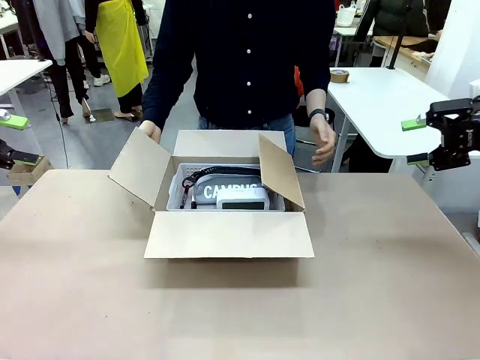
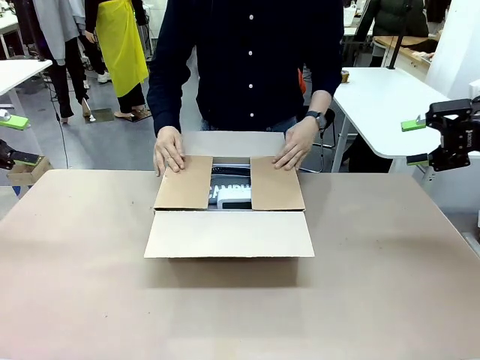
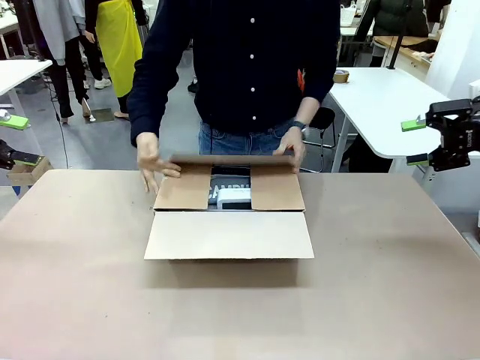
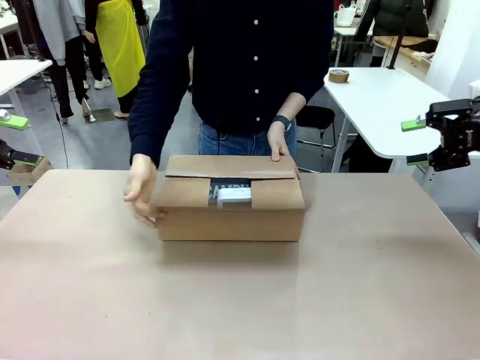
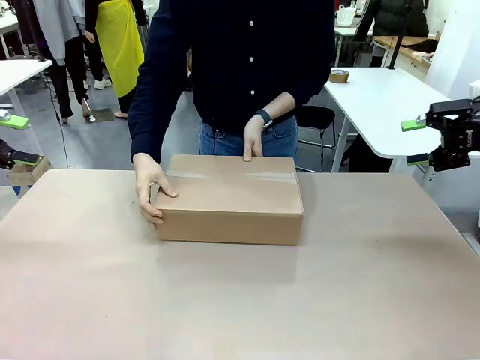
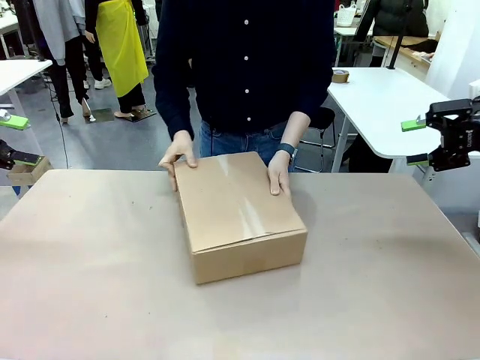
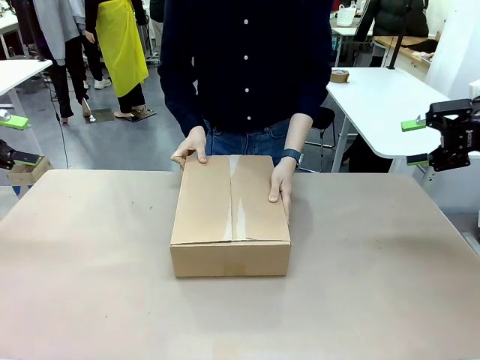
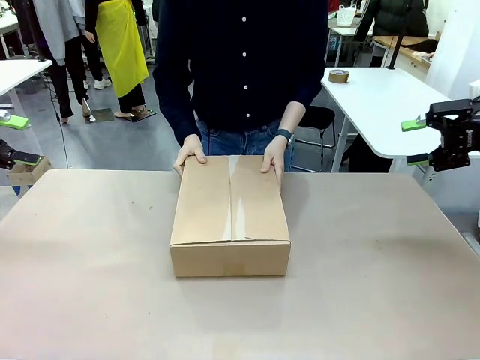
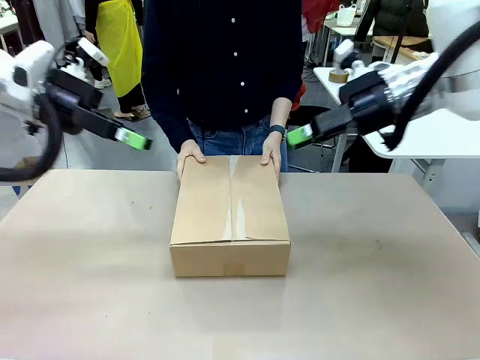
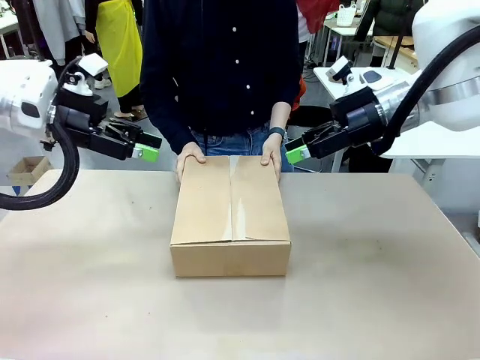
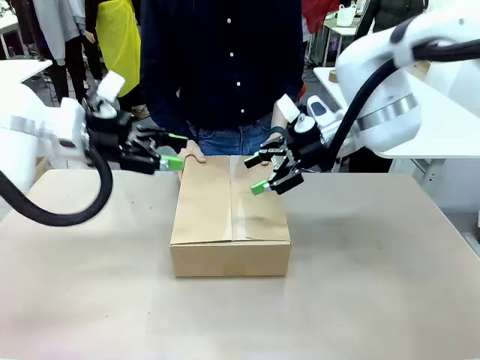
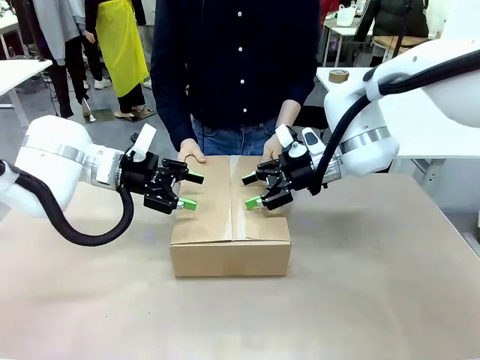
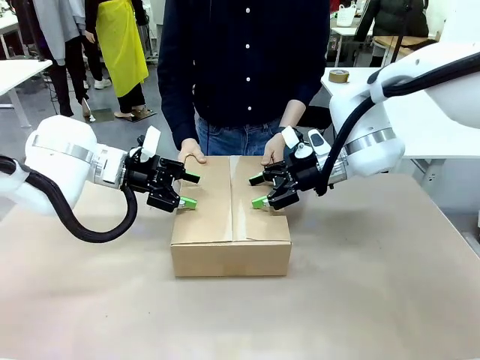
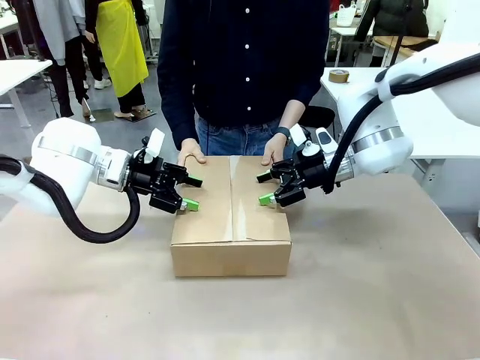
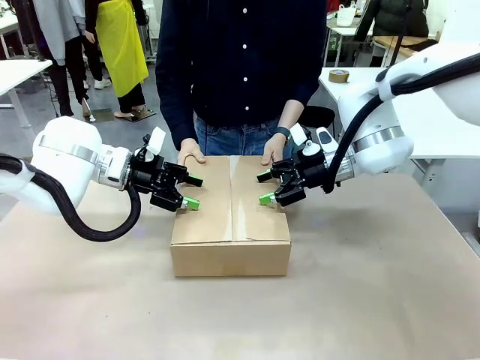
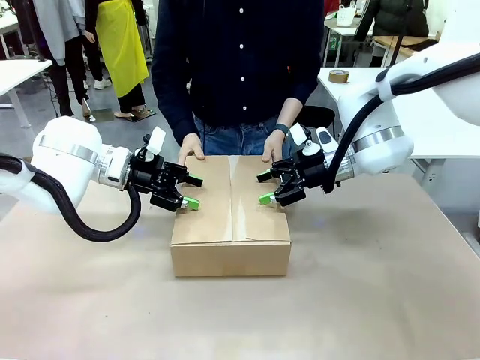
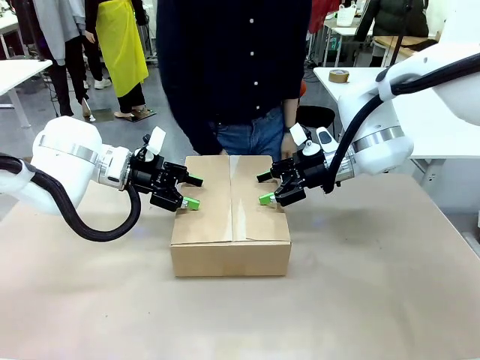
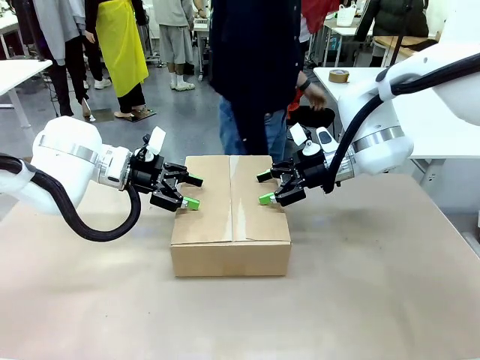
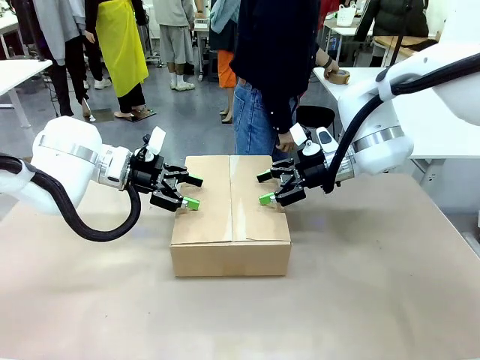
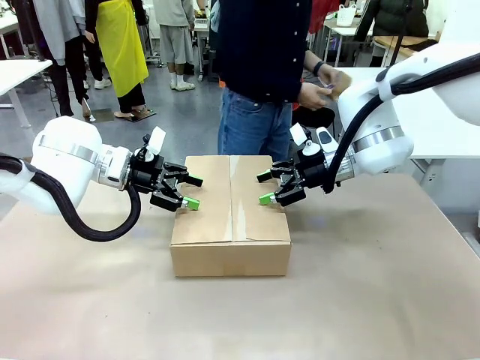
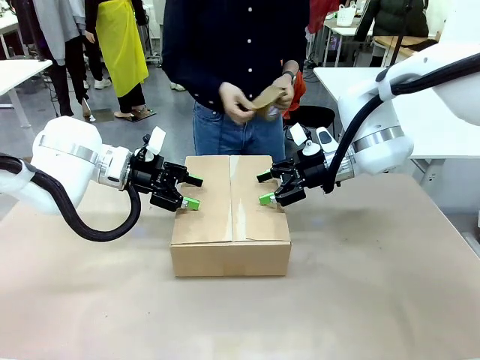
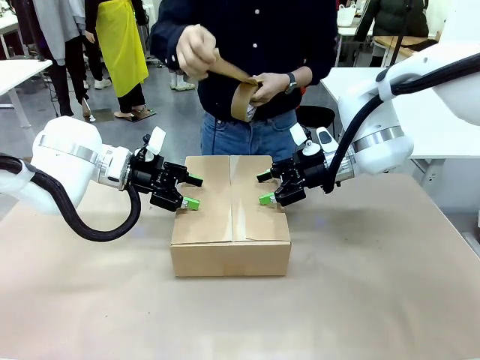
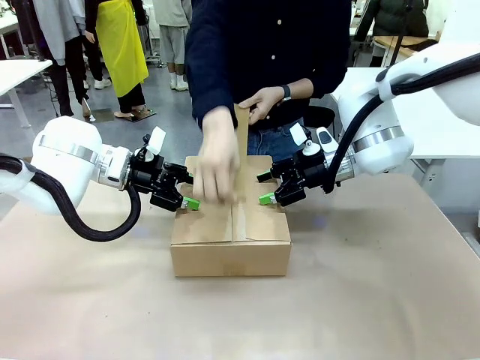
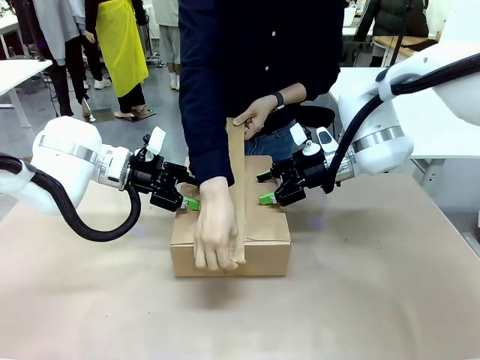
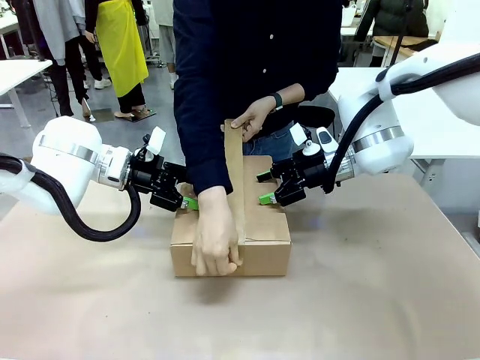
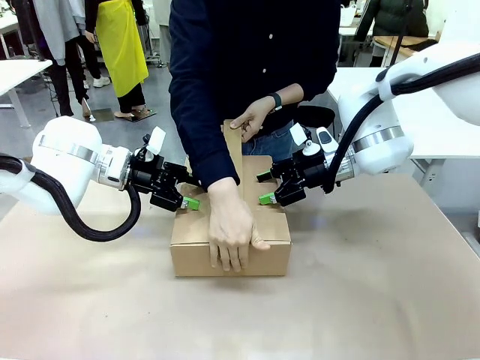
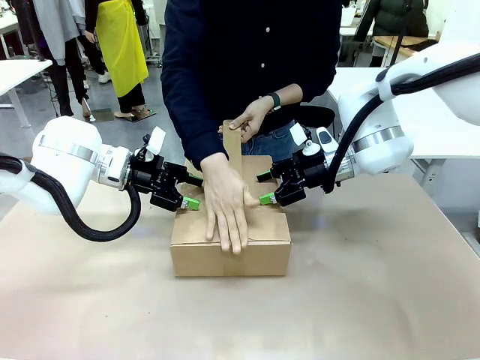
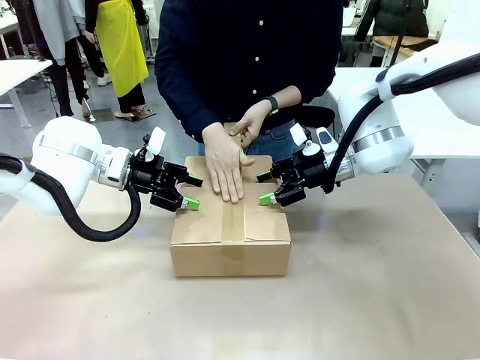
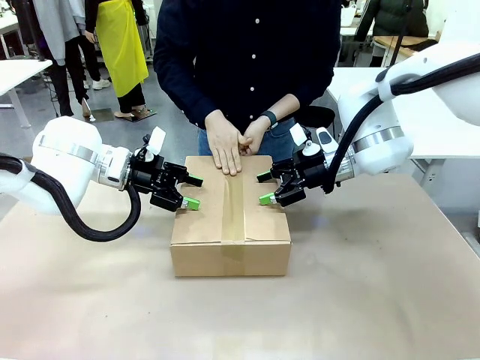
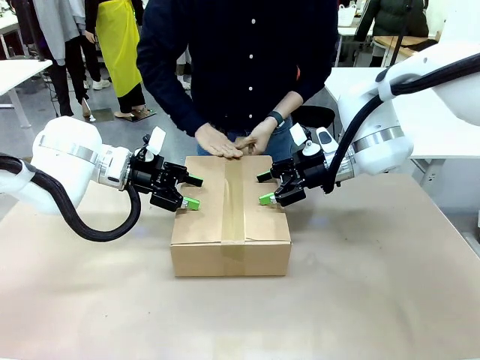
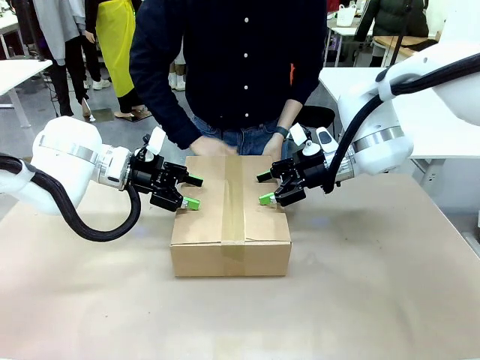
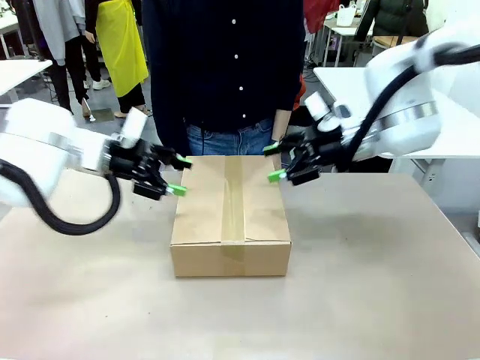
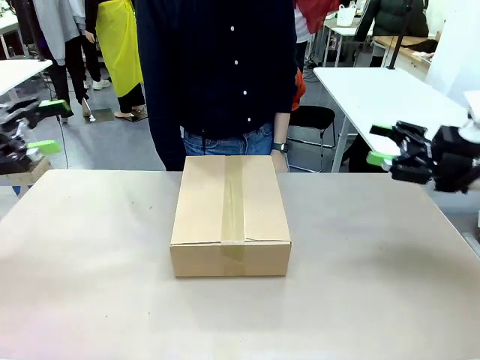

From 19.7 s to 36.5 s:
Task: Pack the gift set into the box.
Robot: Press and hold the closed box until the human finishes sealing it.
Person: The human closes the box and rotates the box by 90 degrees. The human picks up the paper tape from the human table and packs the box.

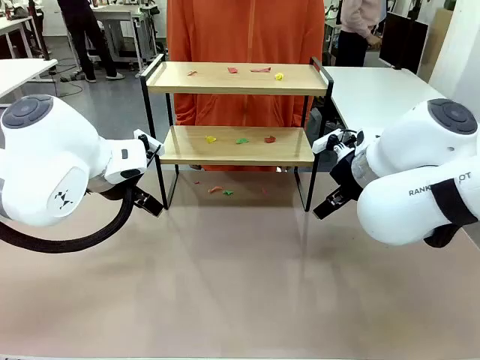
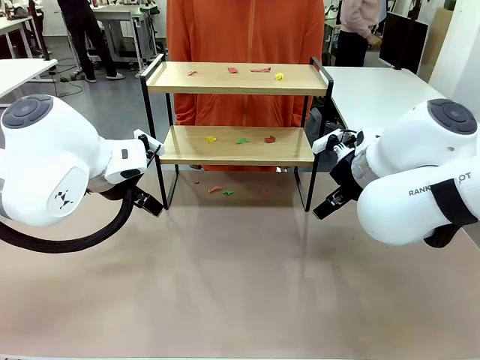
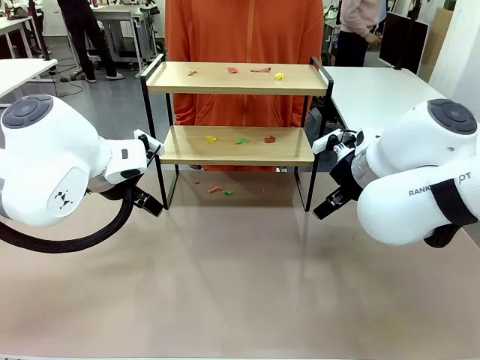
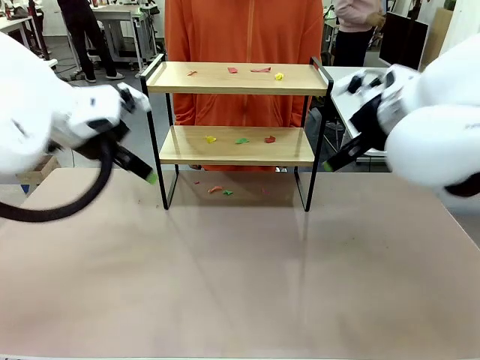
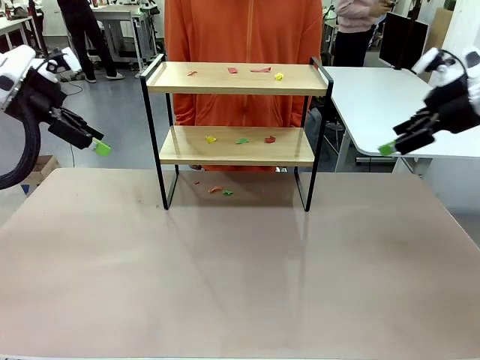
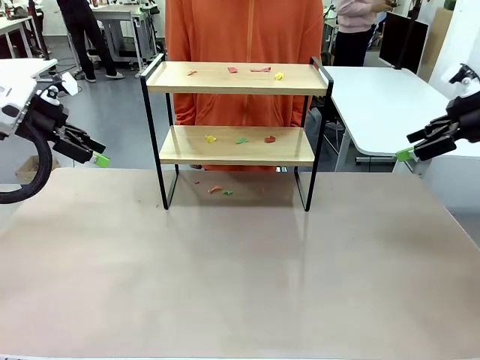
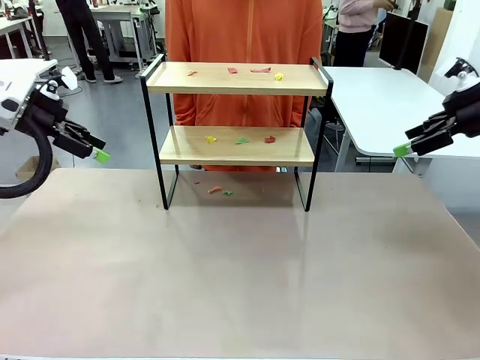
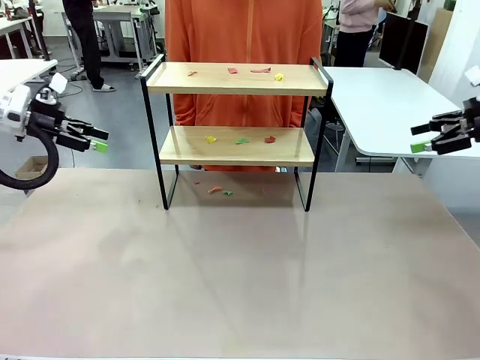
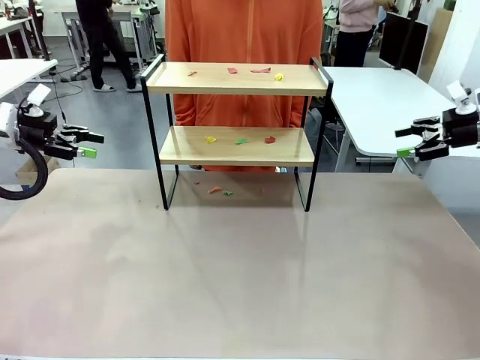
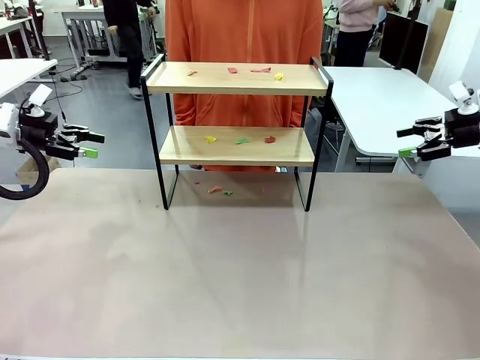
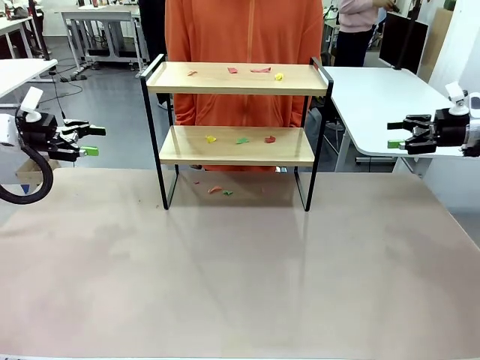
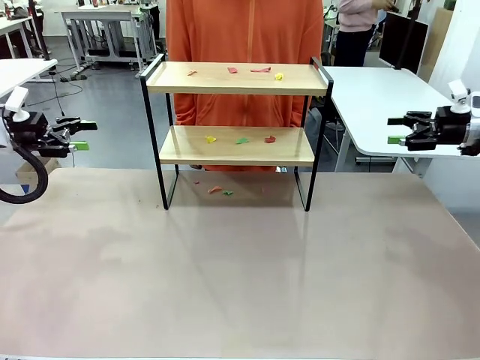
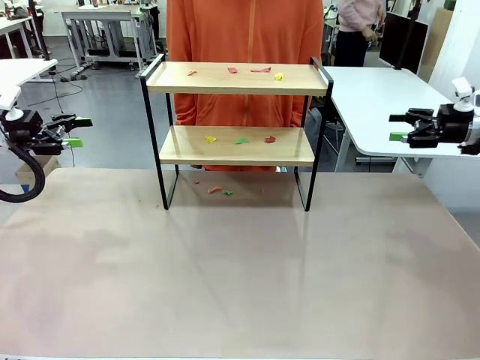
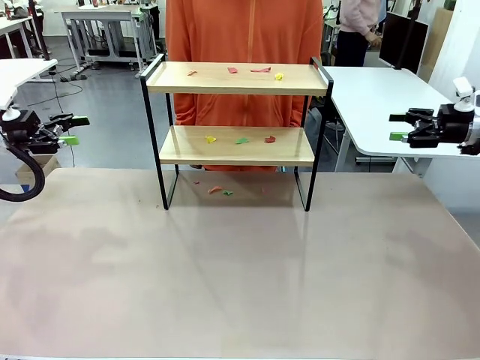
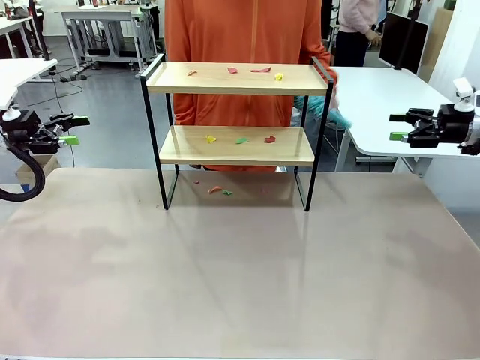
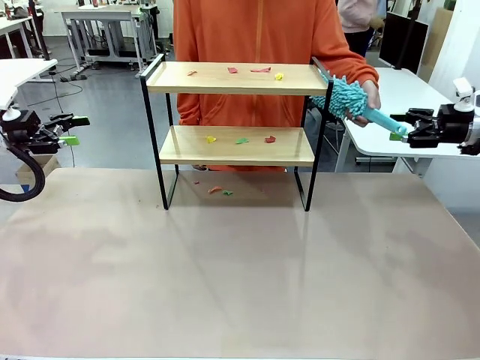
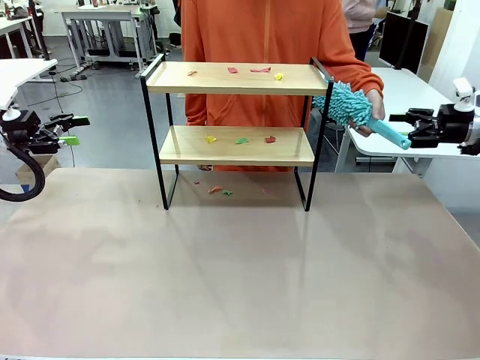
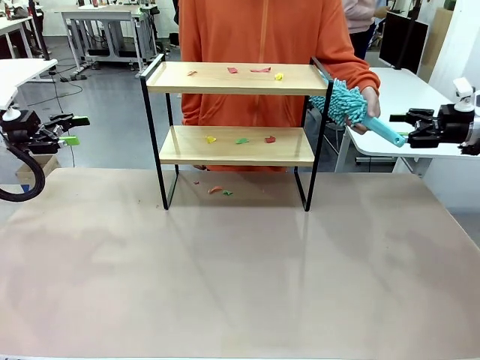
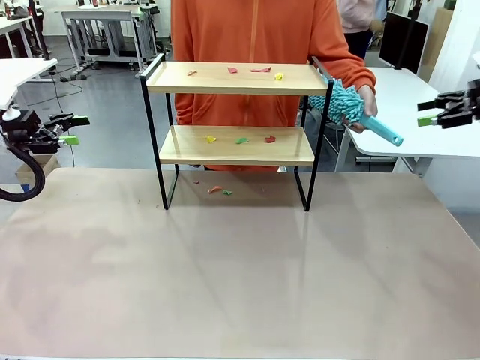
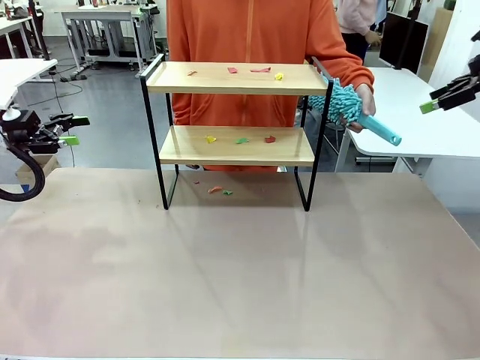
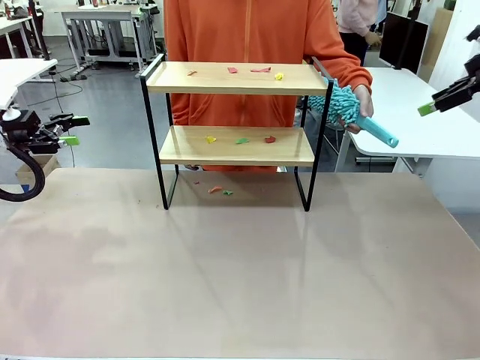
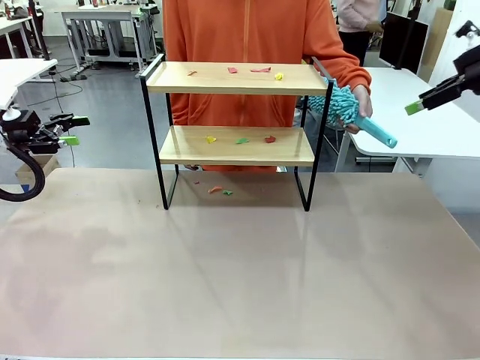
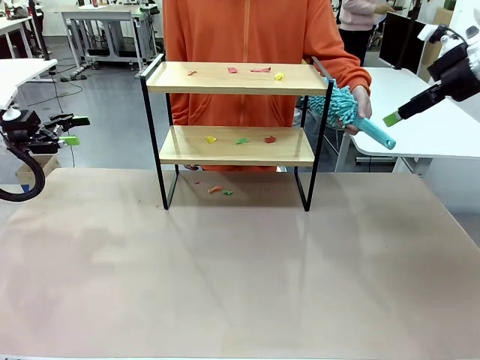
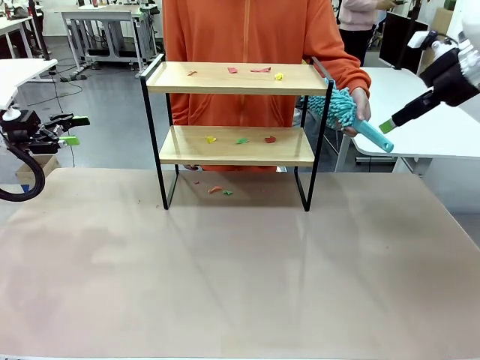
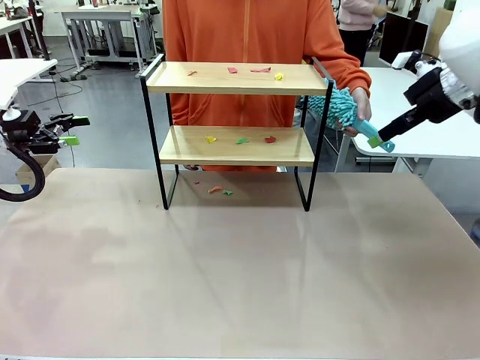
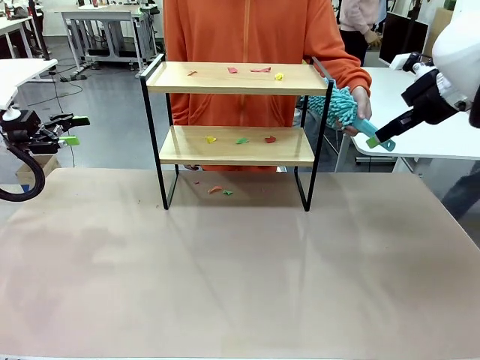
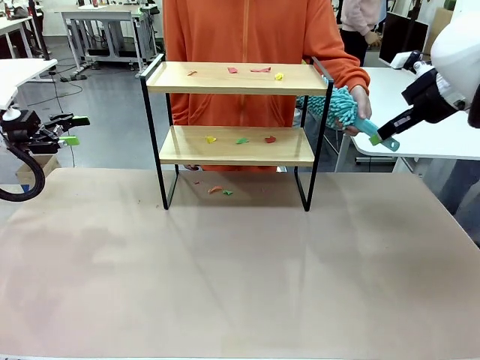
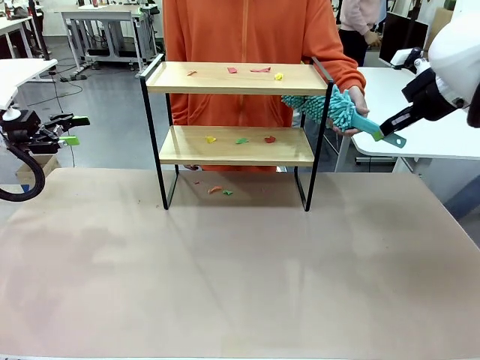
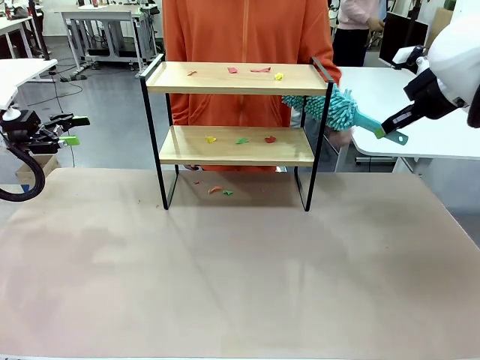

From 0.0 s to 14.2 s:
Task: Clean the shelf.
Robot: Pick up the Duster handed by the human.
Person: Hand the Duster to the robot.
